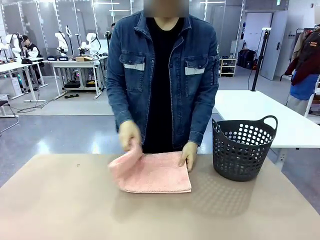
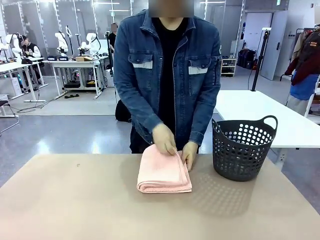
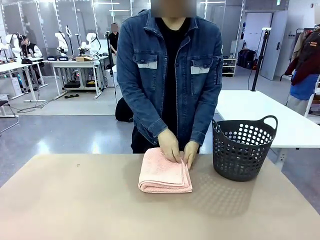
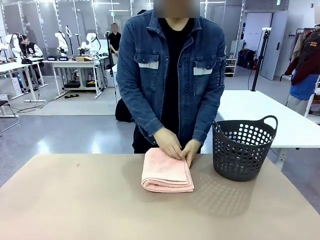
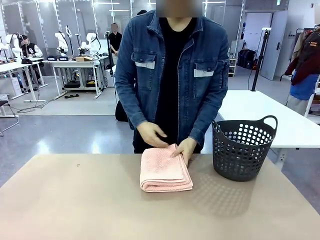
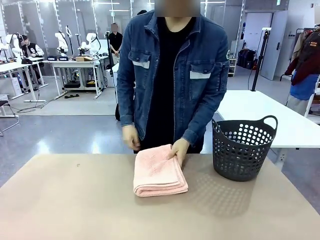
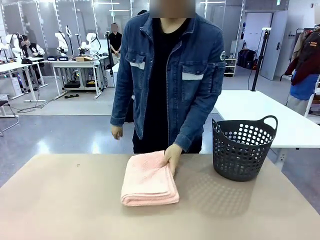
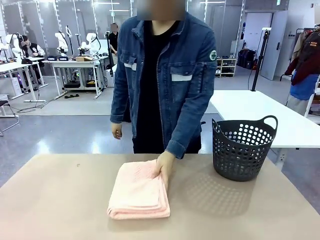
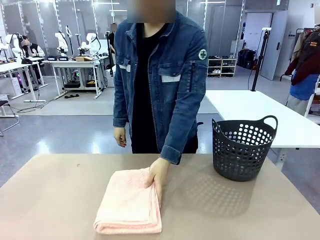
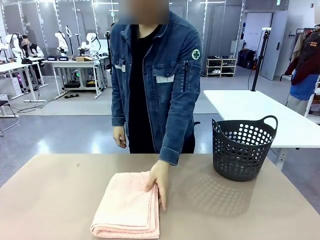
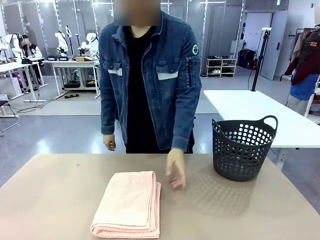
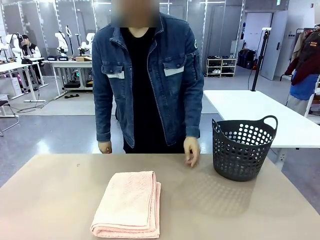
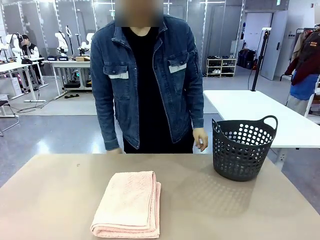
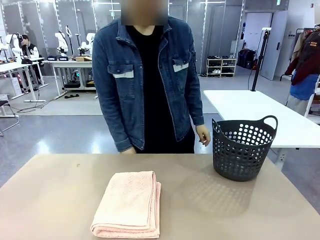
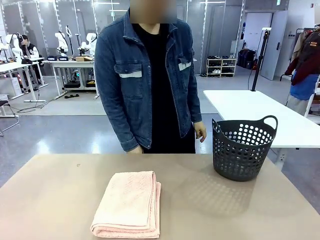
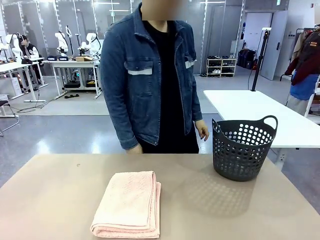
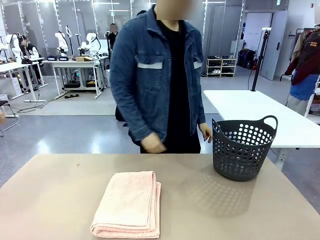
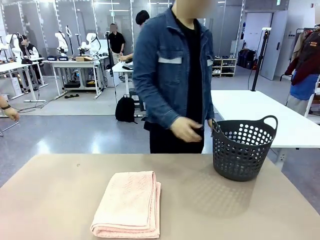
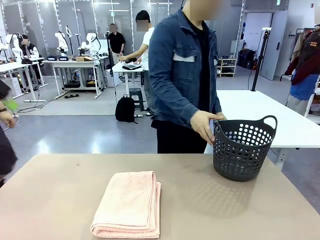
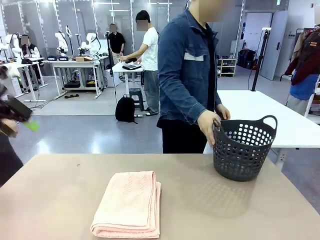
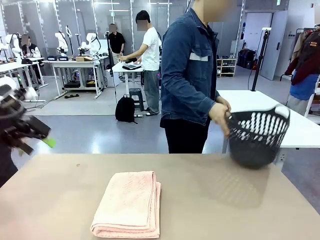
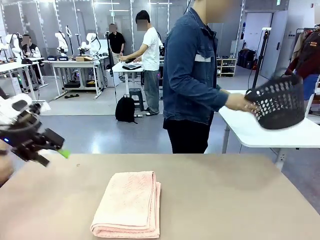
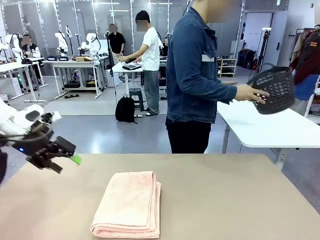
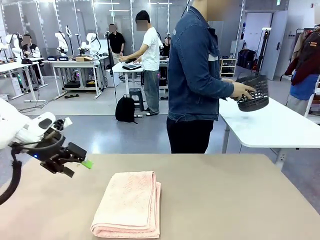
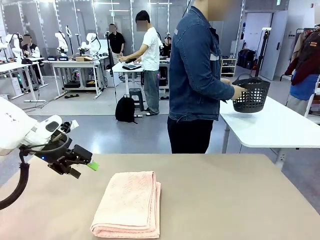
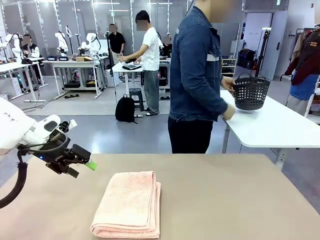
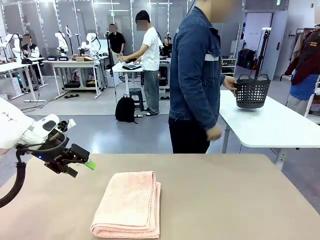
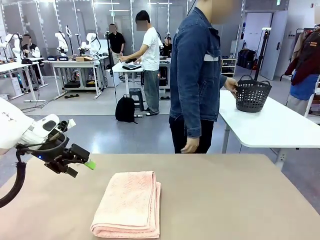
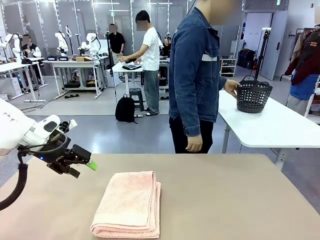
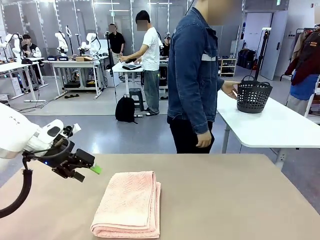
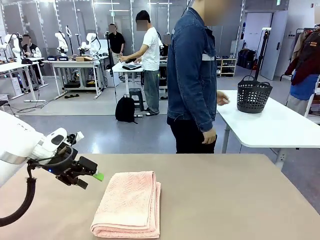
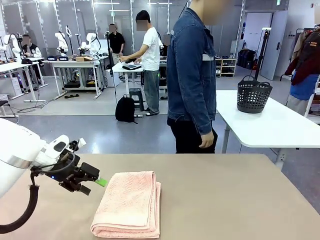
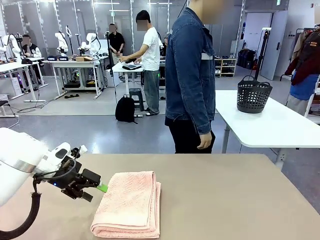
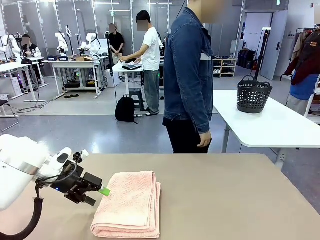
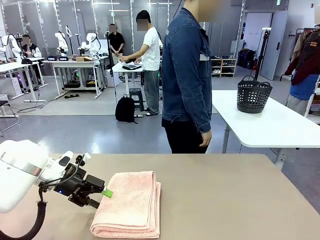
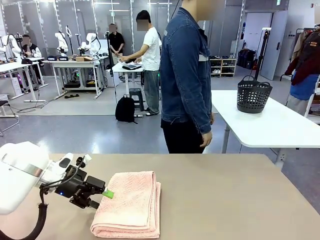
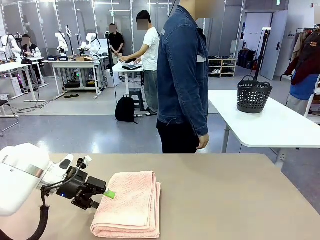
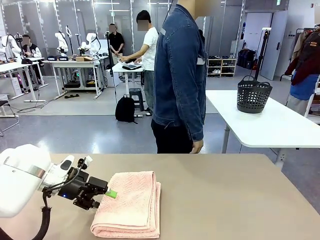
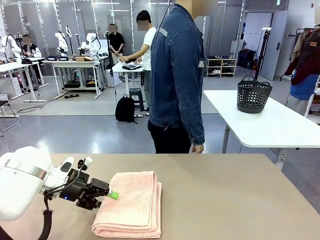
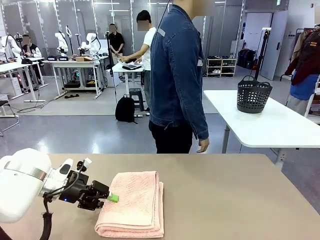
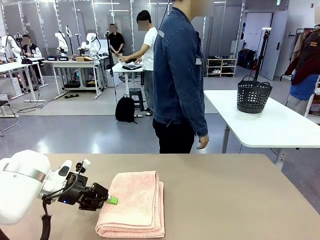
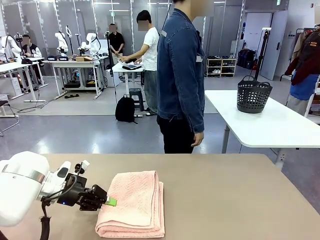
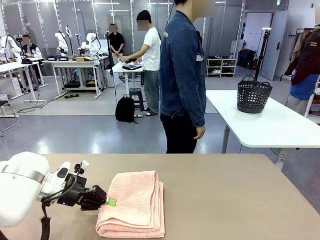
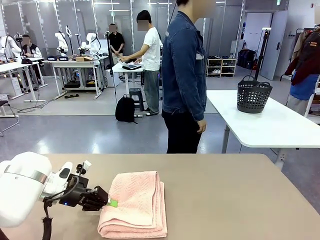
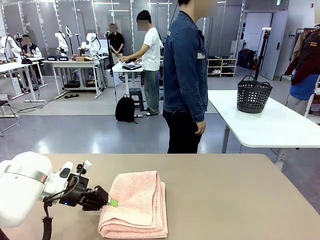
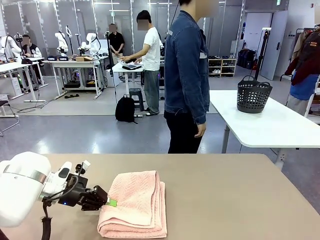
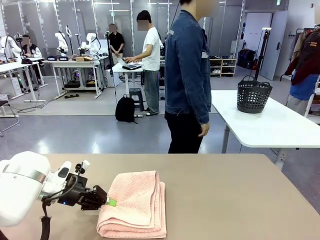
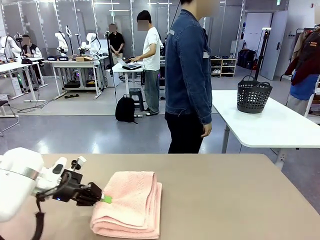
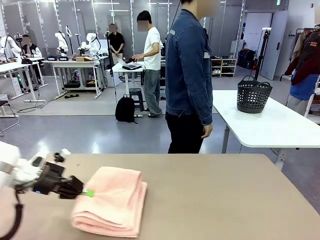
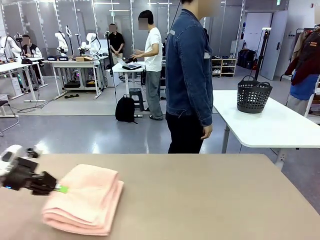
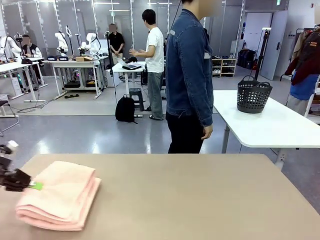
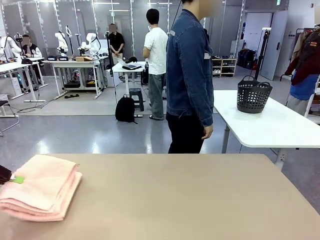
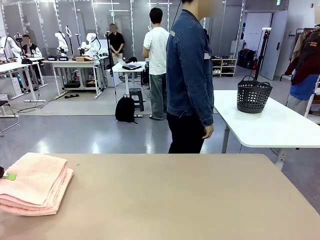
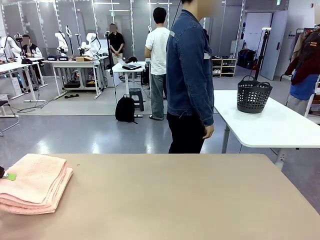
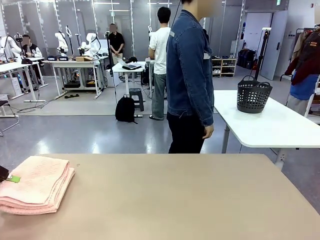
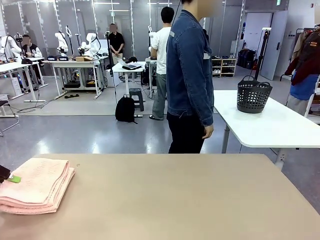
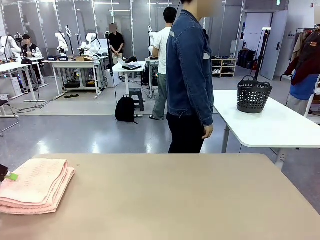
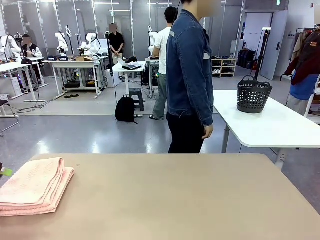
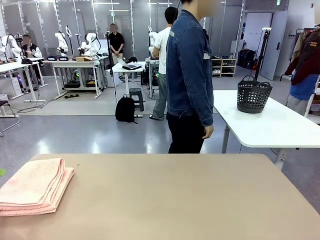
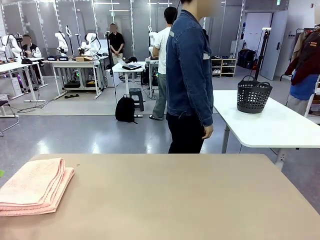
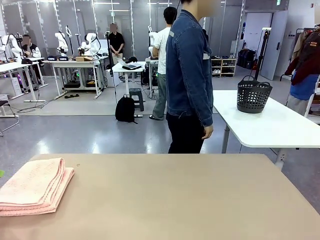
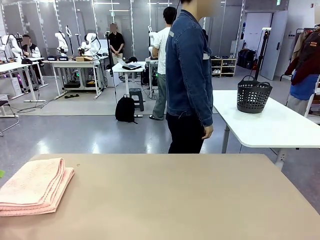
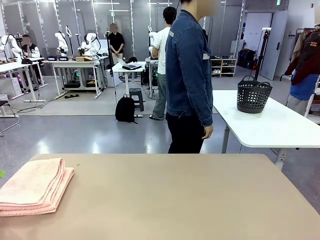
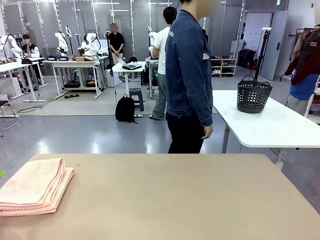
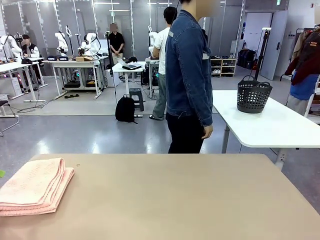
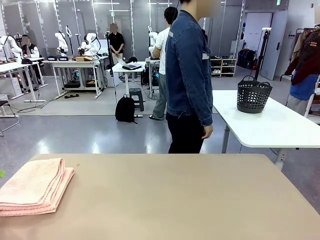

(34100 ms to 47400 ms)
Task: Fold the towel.
Robot: Pick up the 100 cm Hotel Towel and place it on the left side of the table.
Person: Pick up the laundry basket and place it at the center of the human table.

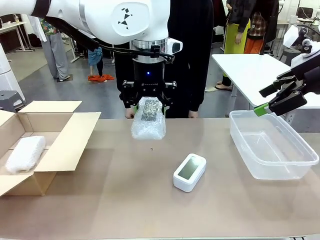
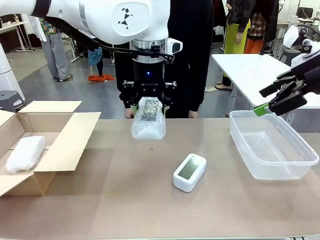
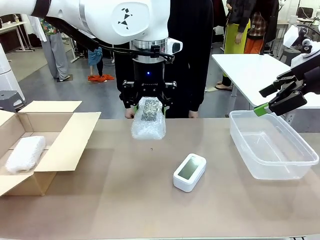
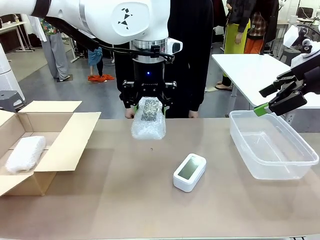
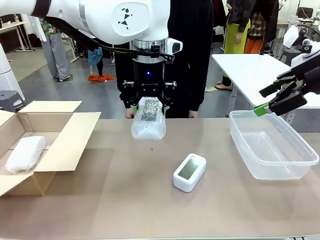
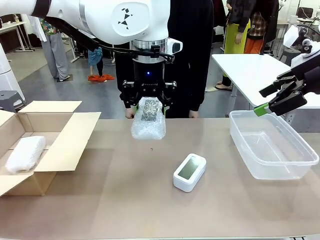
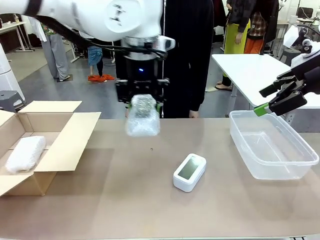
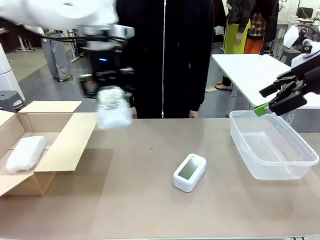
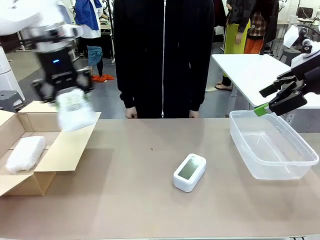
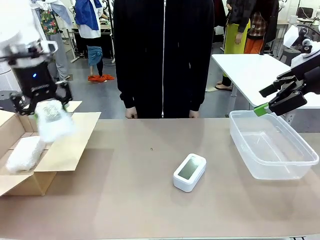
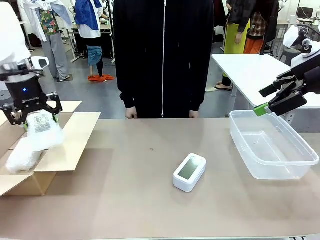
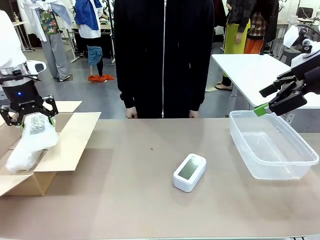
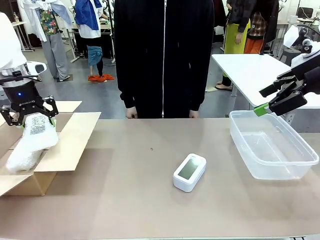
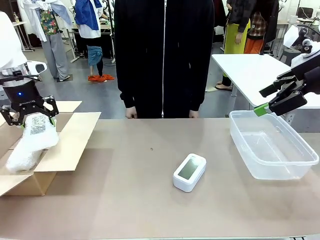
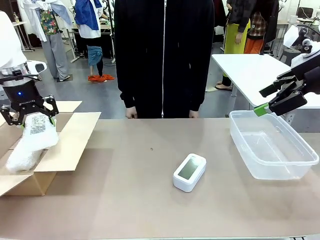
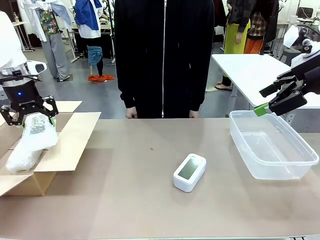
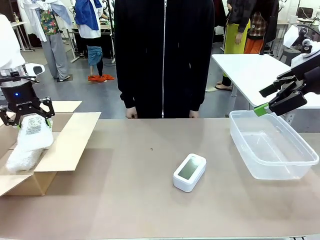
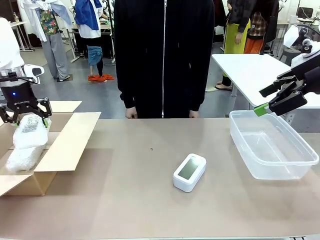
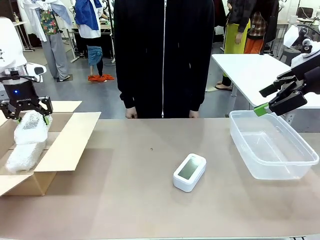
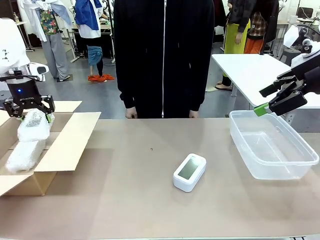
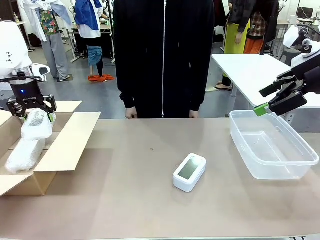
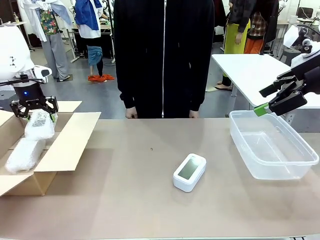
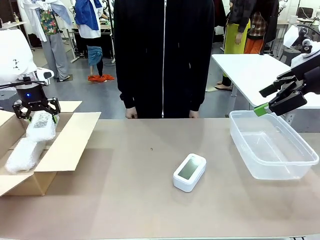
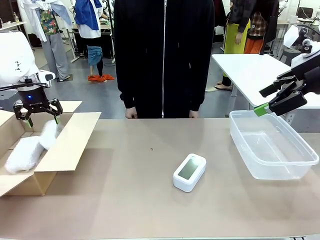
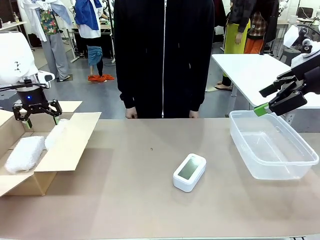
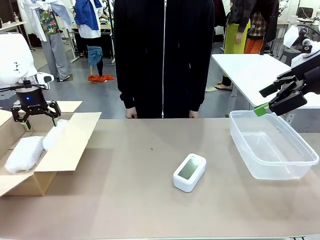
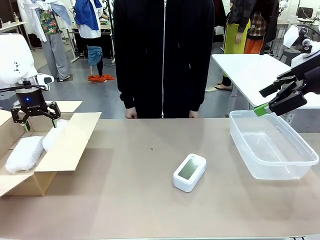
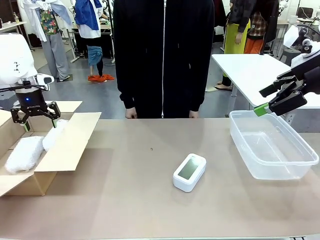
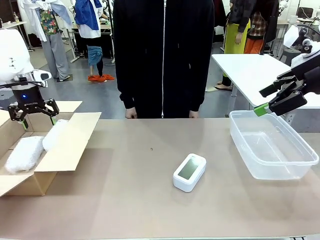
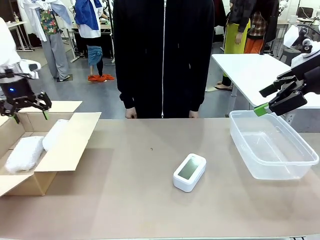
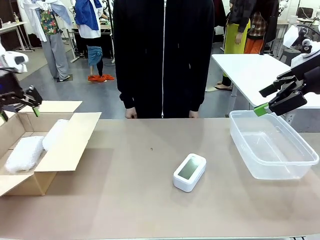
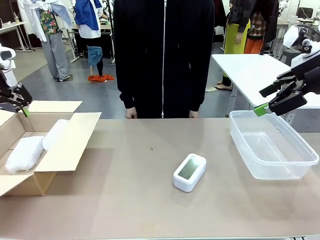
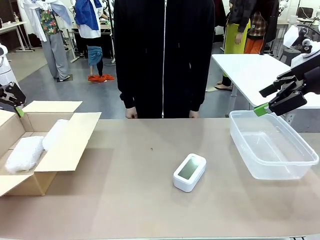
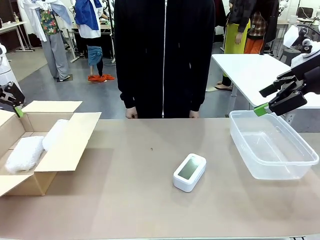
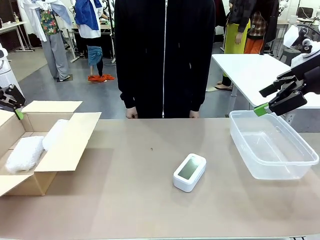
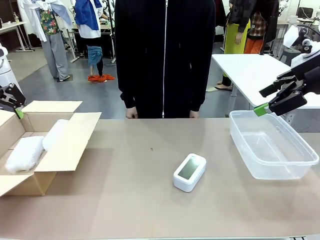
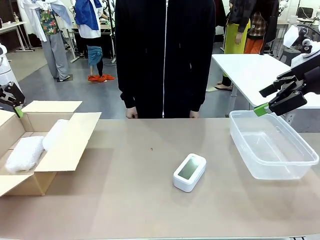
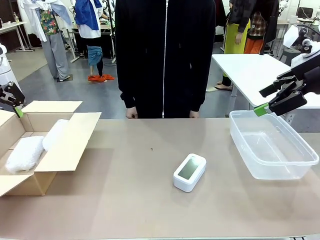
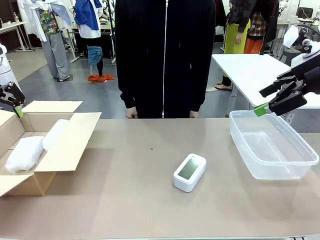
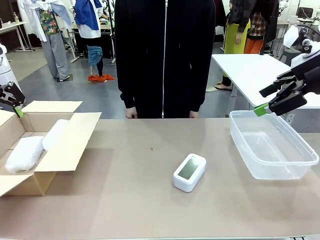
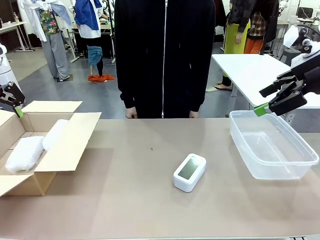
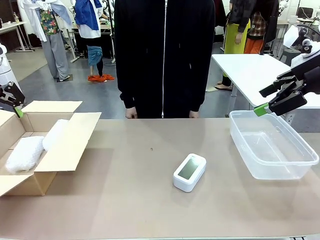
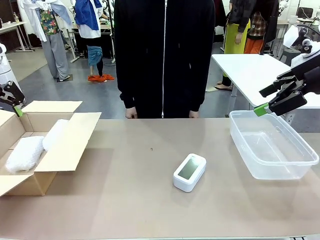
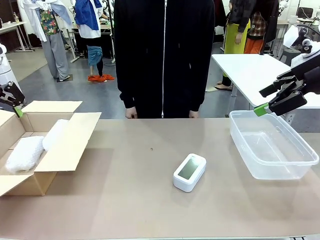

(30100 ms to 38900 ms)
Task: Separate and place wrapped and unwrapped clocks.
Robot: If the picked Digital clock is wrapped, place it in the Package Box ; if not, place it in the Organizing box.
